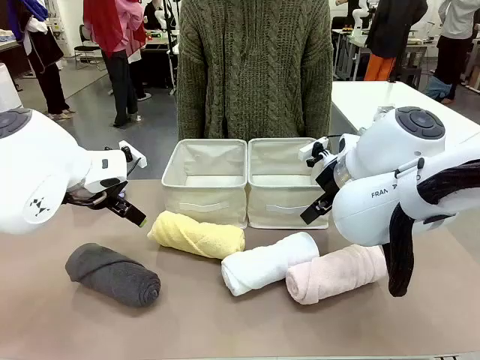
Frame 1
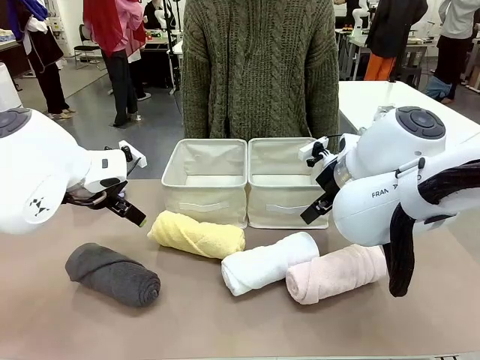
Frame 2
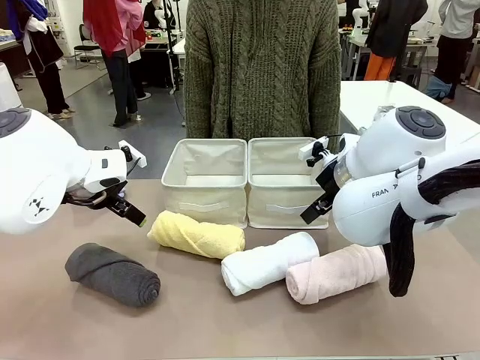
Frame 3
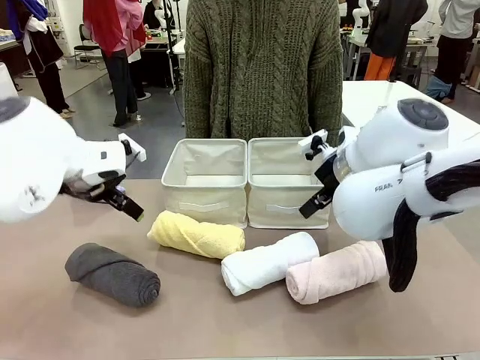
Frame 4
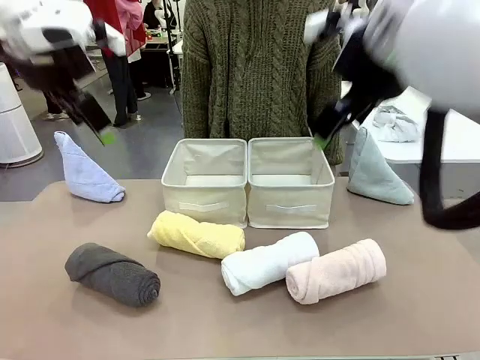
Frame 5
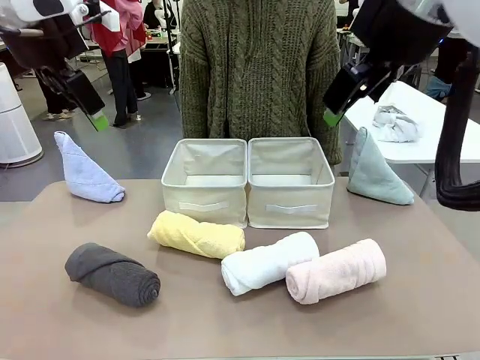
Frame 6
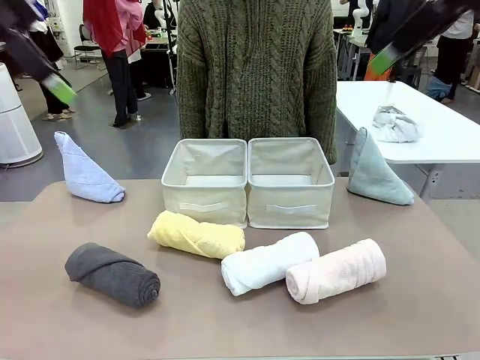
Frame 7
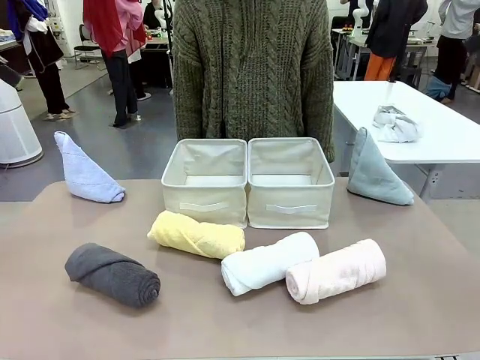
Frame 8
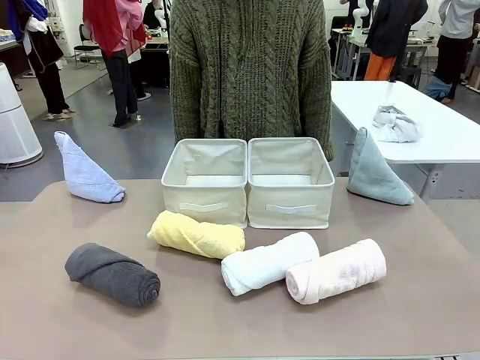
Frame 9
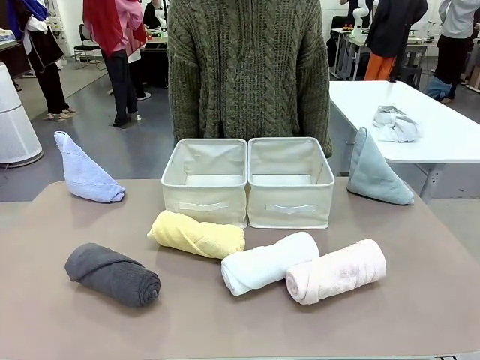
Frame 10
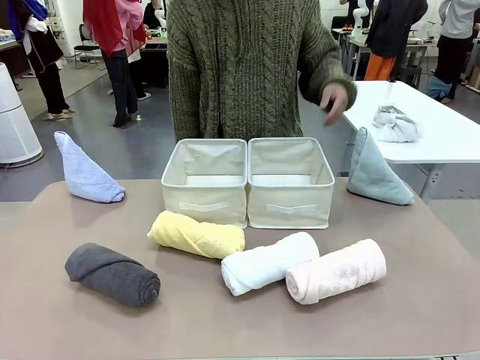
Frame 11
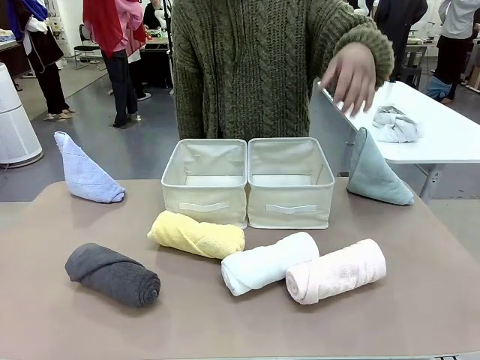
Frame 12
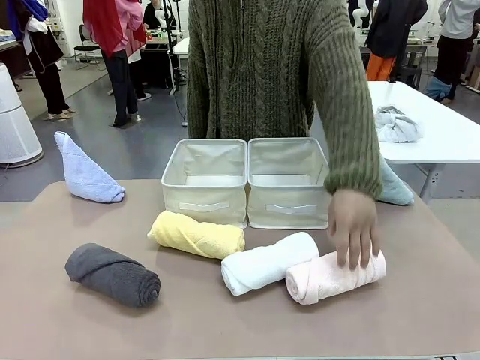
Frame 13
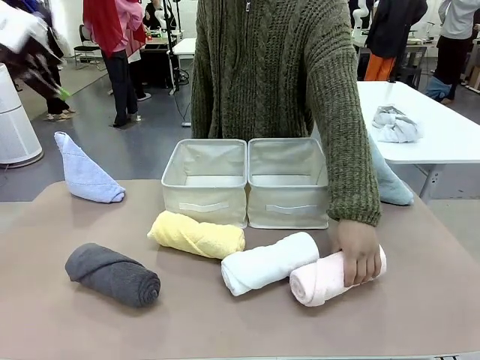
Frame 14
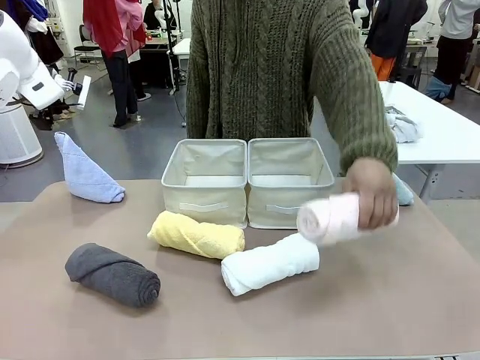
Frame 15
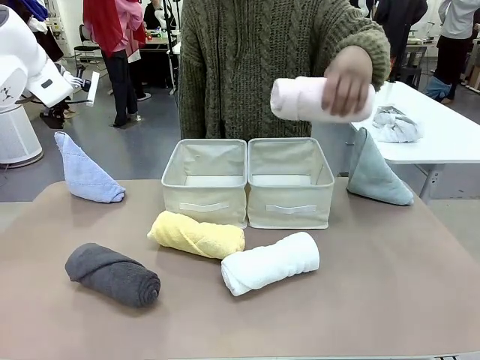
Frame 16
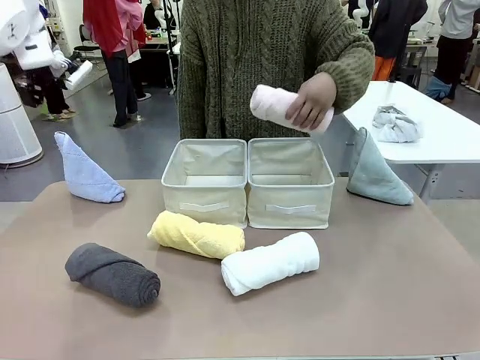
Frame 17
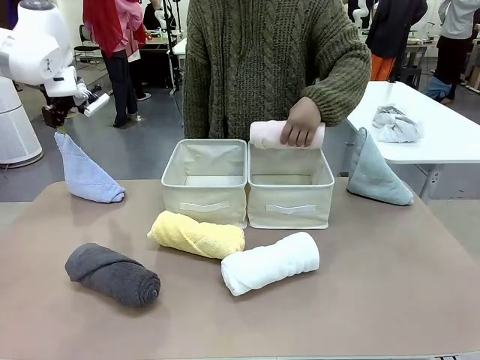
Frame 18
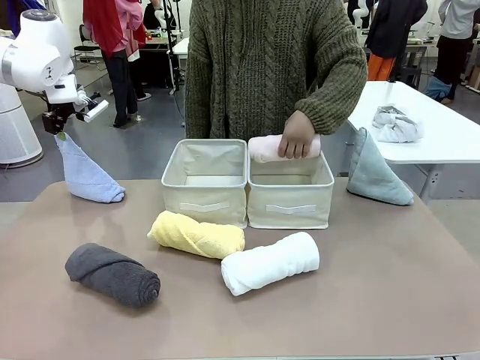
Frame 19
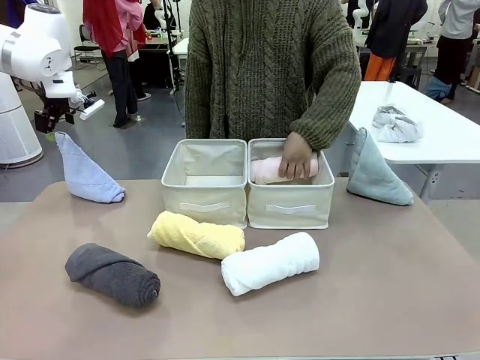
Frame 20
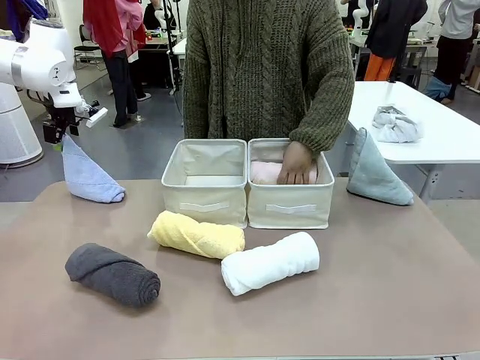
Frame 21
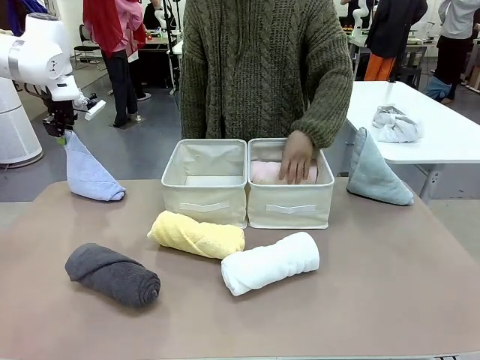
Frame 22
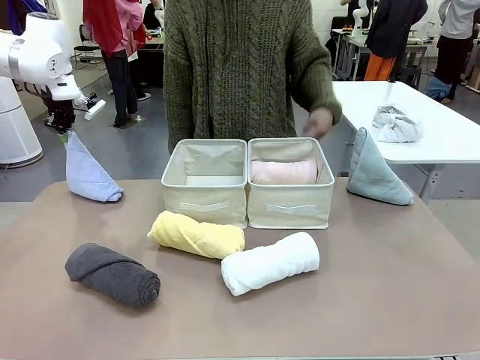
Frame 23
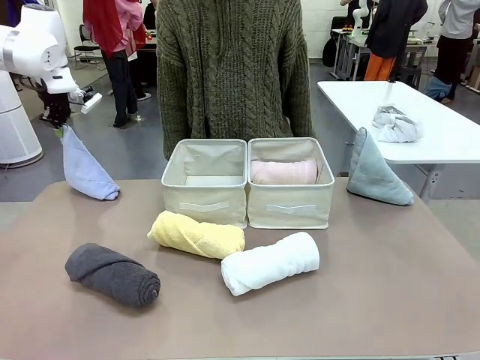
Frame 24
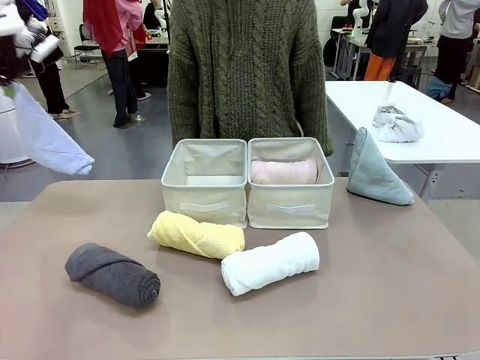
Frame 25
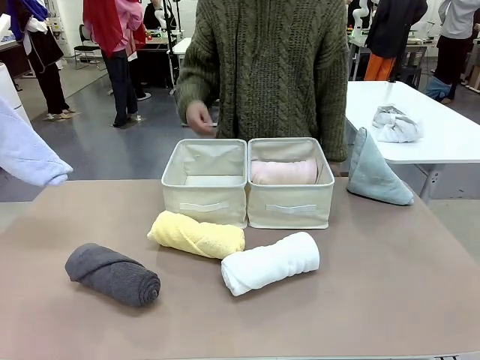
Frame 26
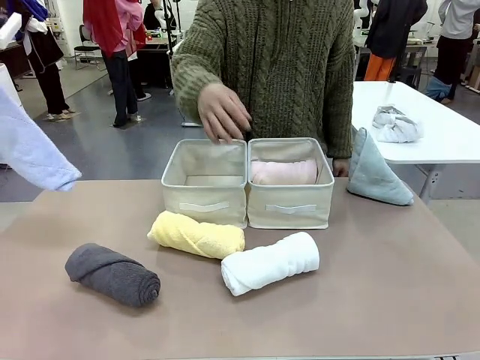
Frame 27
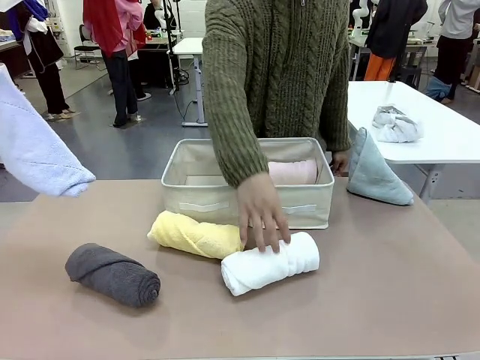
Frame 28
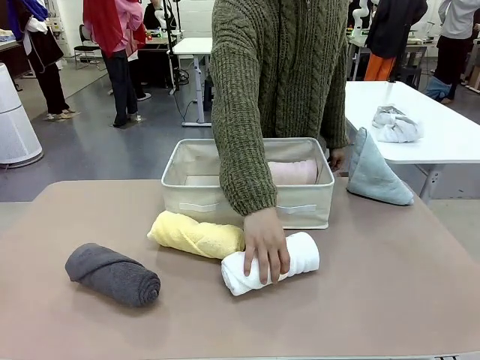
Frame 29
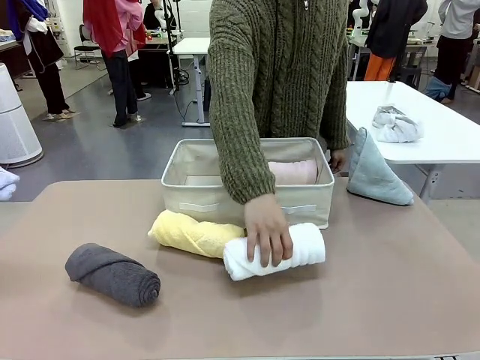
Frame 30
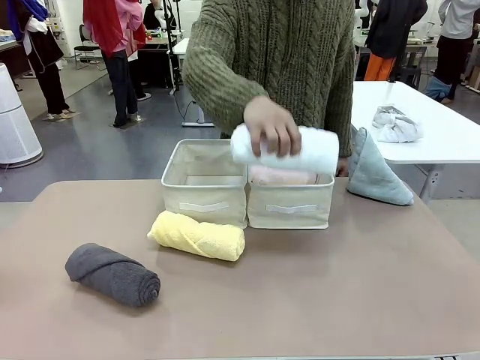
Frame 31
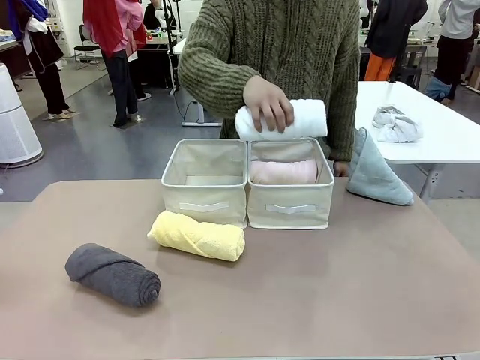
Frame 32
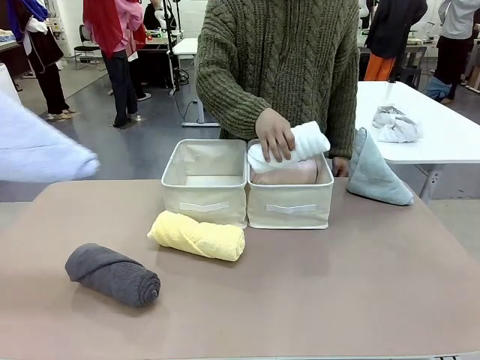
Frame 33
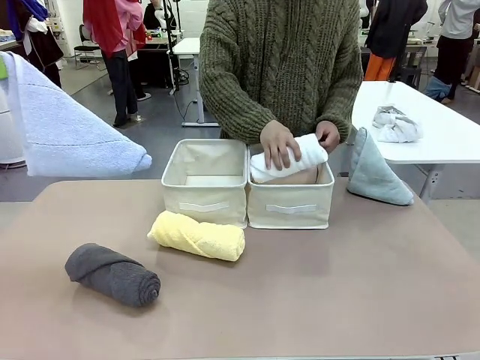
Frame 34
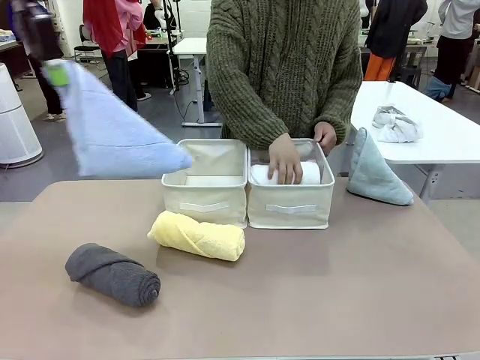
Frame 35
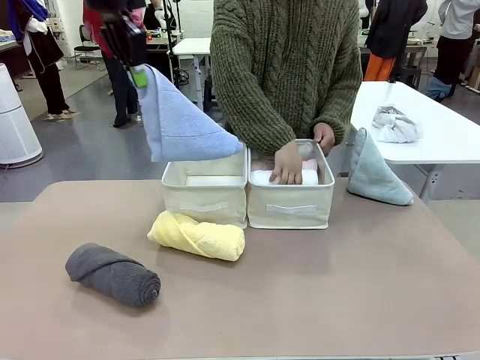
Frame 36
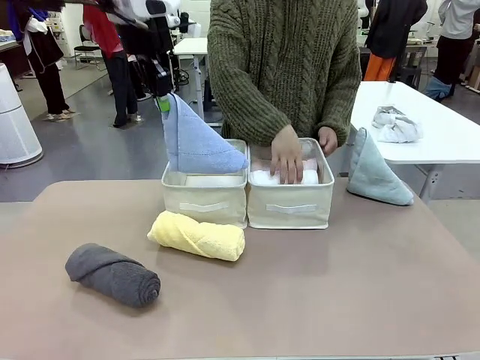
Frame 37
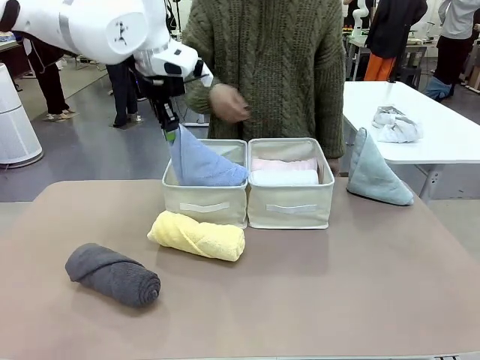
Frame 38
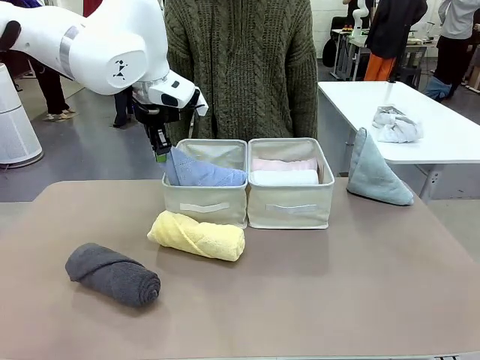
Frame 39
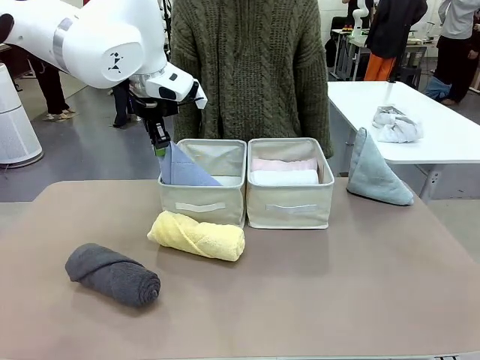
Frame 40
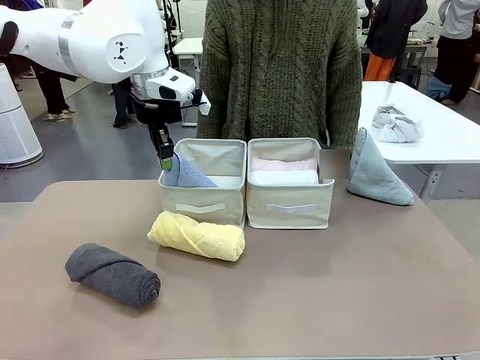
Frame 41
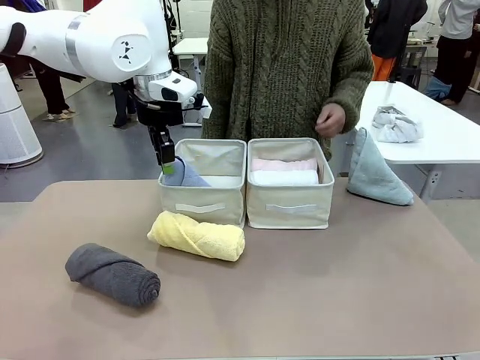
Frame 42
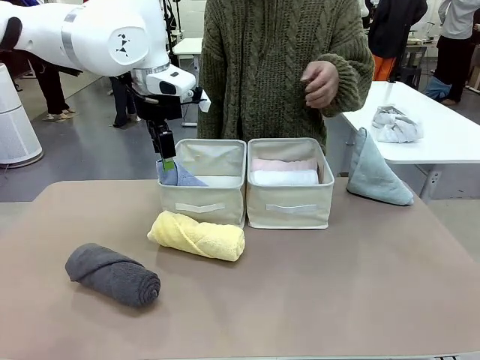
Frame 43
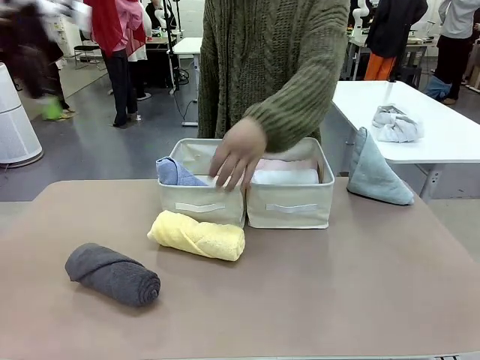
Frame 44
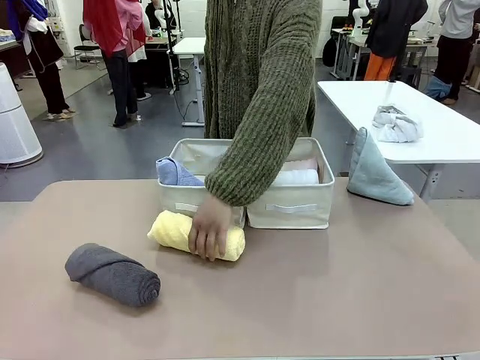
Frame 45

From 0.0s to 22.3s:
Task: Sort the towels based on their folding style.
Robot: Pick up one triangle-folded towel and place it in the left Fabric basket.
Person: Pick up one hotel-style rolled towel and place it in the left fabric basket.
